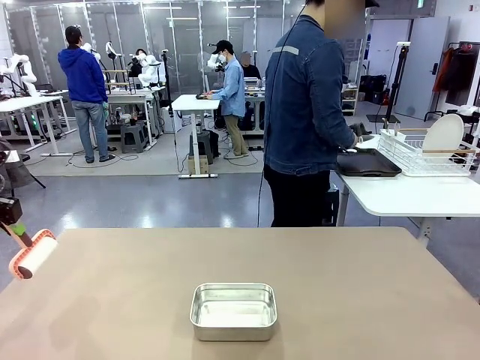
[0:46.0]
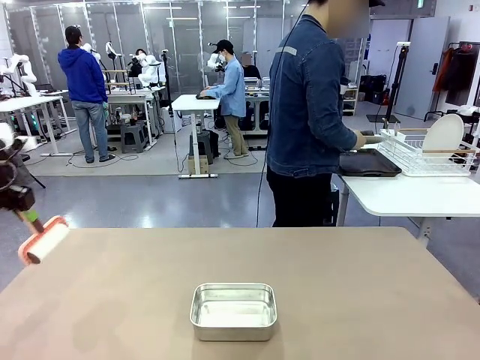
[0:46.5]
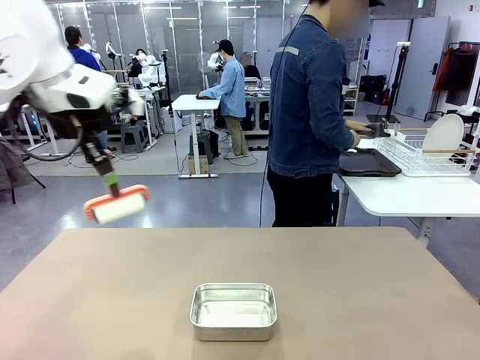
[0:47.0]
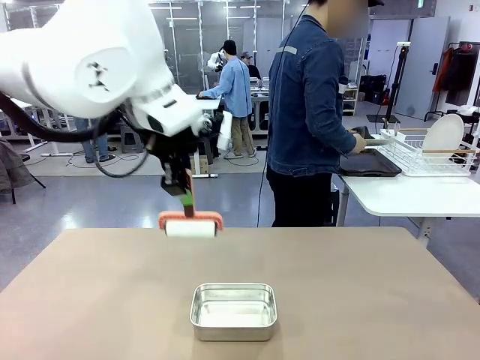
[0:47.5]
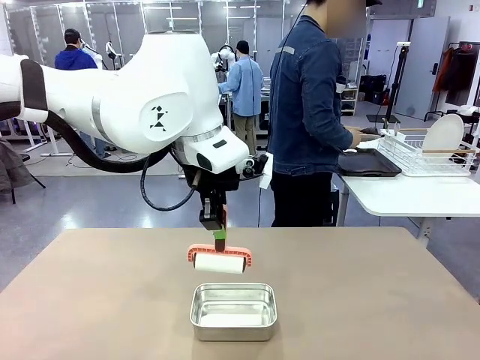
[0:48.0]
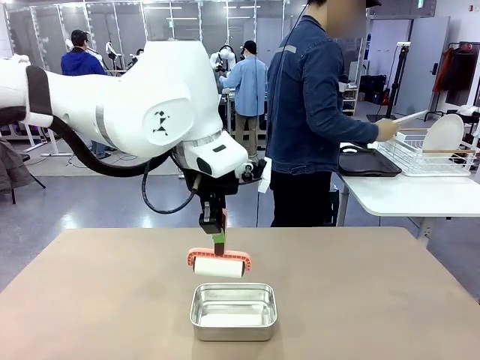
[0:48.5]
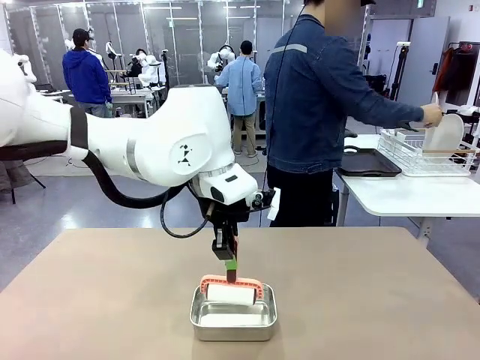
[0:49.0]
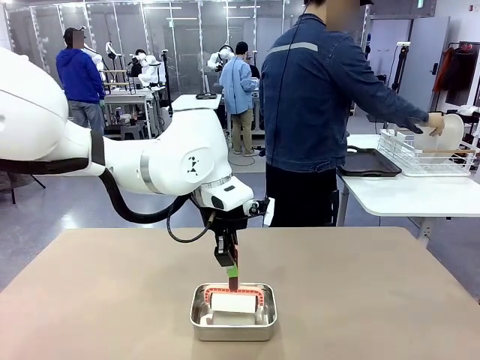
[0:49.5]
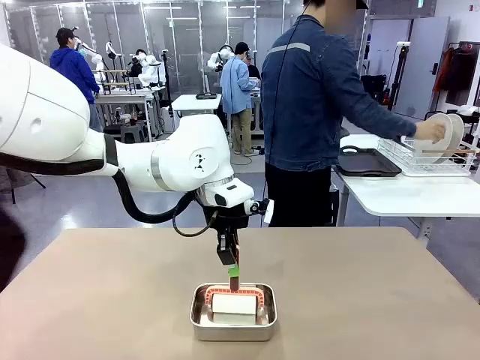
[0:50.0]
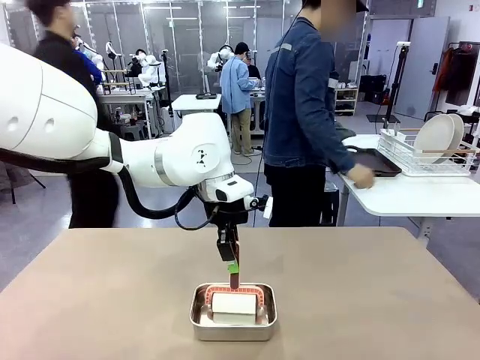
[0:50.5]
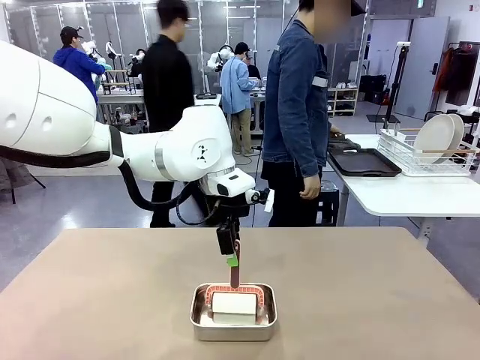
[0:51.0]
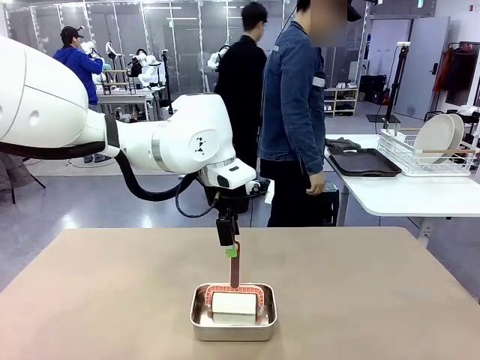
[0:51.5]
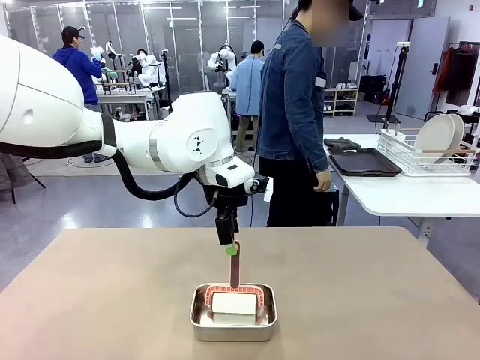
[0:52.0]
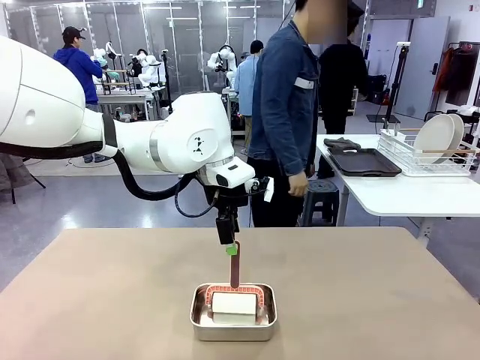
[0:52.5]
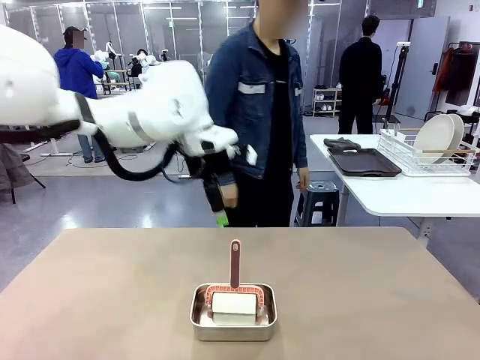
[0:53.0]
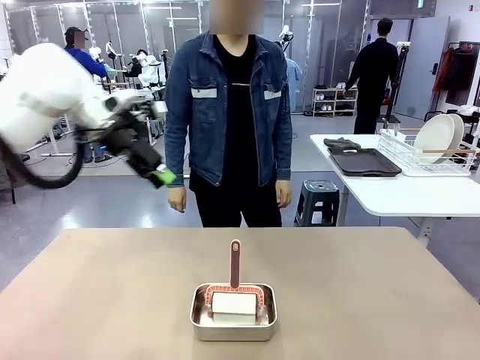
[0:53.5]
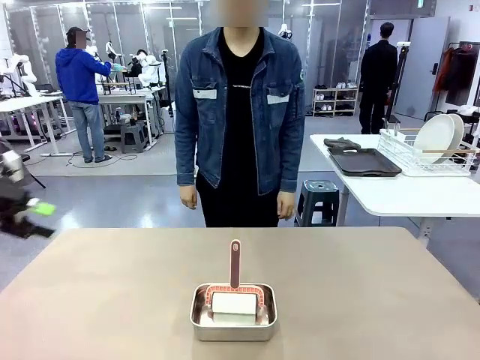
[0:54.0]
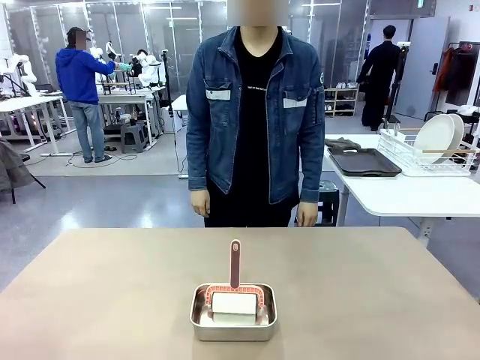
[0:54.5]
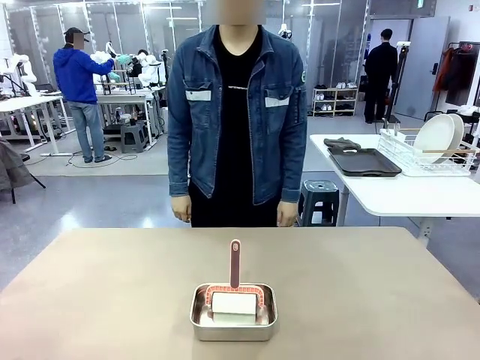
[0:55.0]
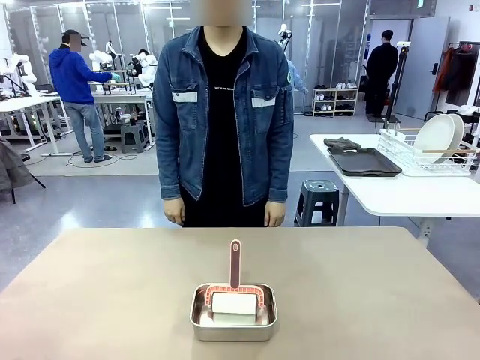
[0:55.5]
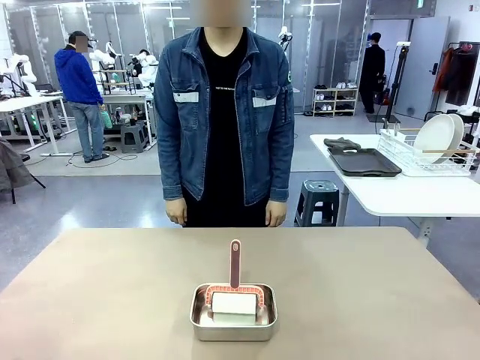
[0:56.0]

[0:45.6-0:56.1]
Robot: Place the Lint Roller back on top of the Airtight Container.

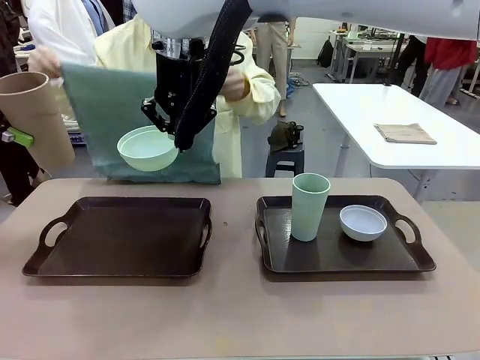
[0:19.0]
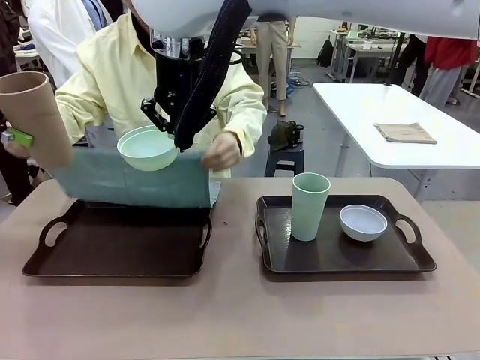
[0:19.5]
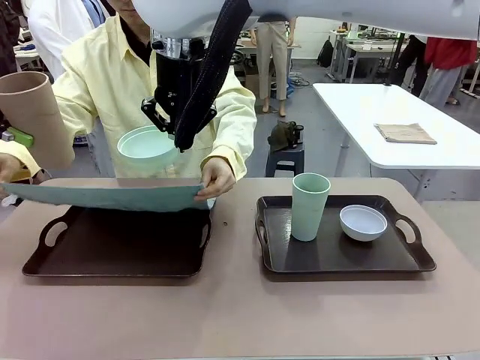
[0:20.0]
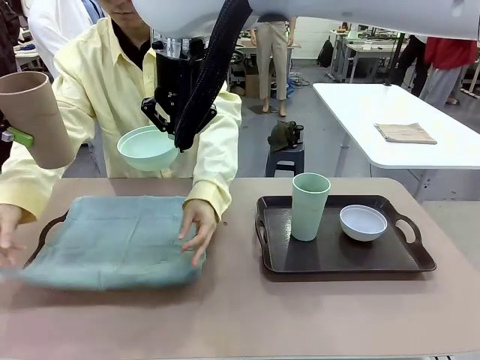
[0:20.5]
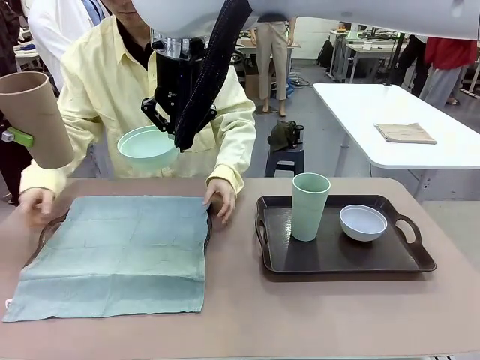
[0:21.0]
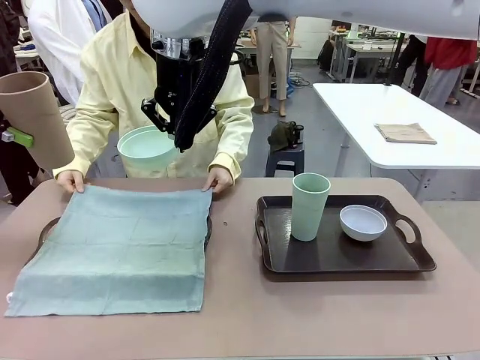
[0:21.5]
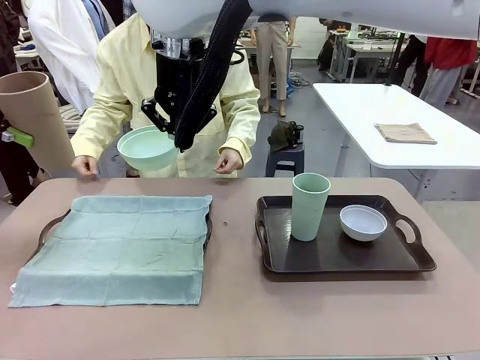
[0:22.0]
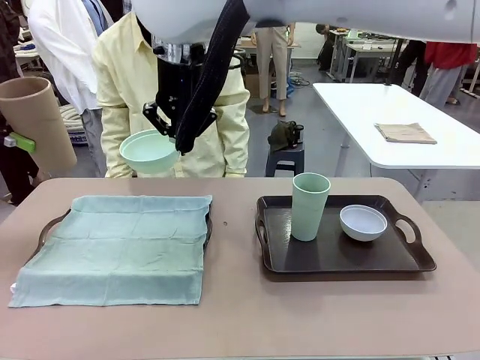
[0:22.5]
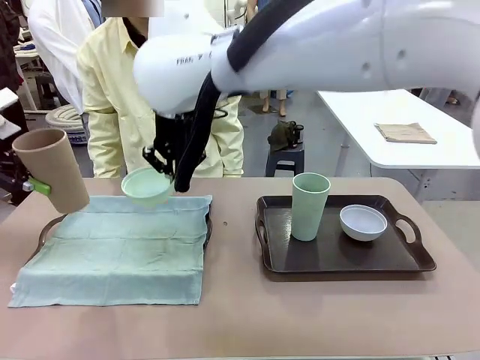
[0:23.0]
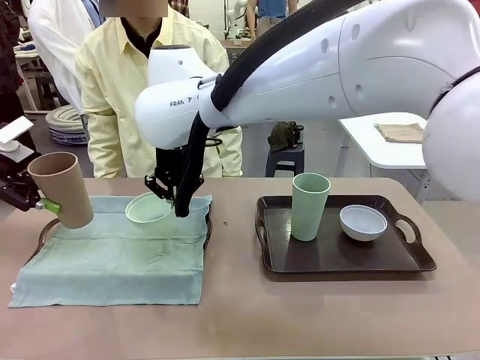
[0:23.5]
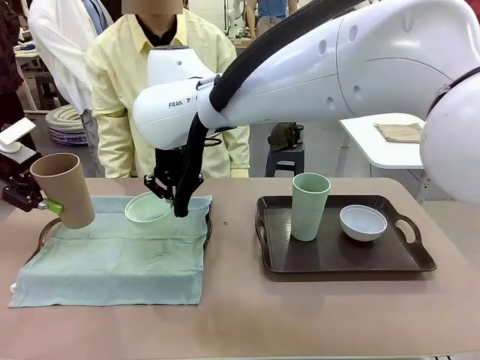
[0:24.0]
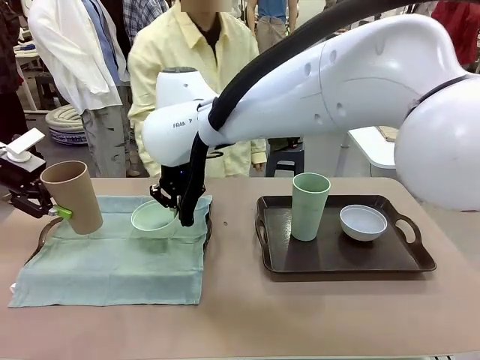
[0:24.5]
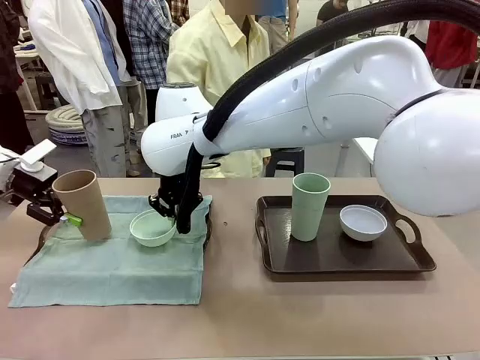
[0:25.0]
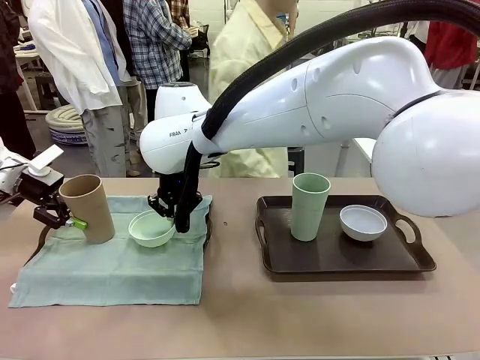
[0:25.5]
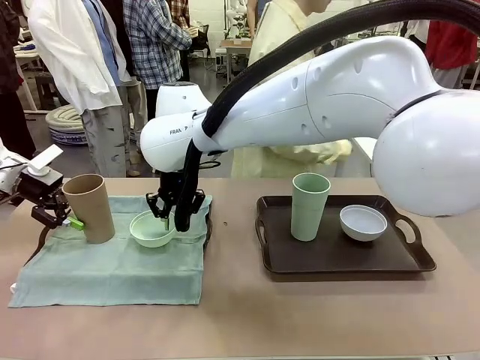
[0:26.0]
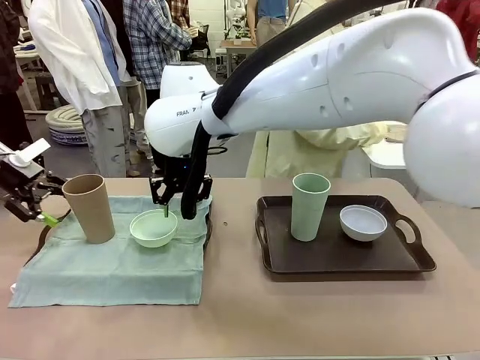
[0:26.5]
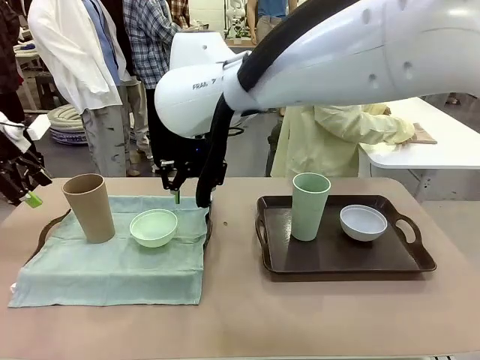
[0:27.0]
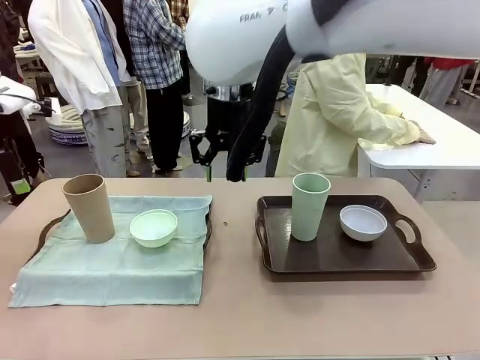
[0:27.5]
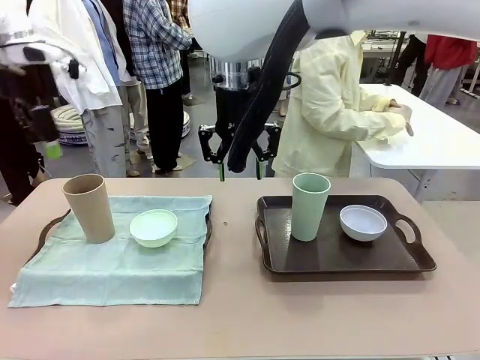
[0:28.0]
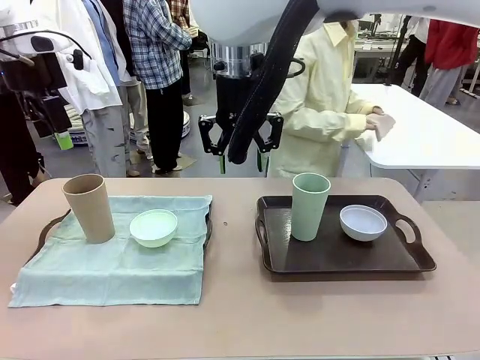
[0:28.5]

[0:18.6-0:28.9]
Robot: Place the Picnic Bowl and Reusable plastic cup back onto the Handle tray in front of the human's position.
Person: The human returns to the human table to pick up another napkin and walks to the robot table to stand in front of the tray without a napkin.
